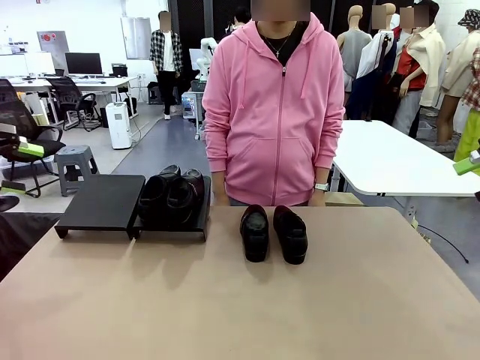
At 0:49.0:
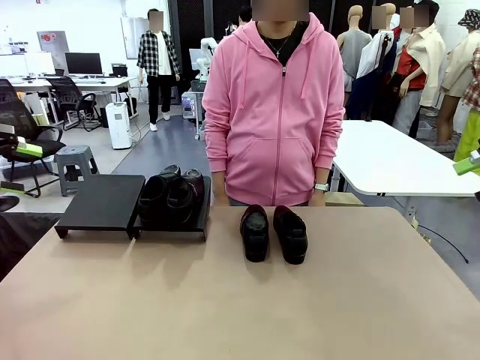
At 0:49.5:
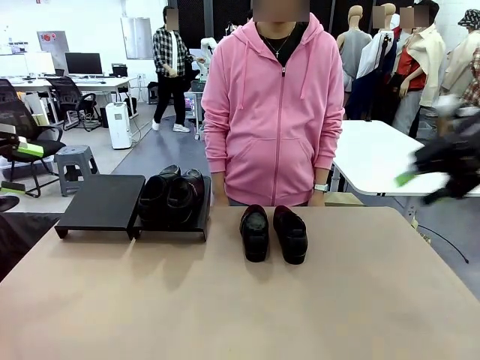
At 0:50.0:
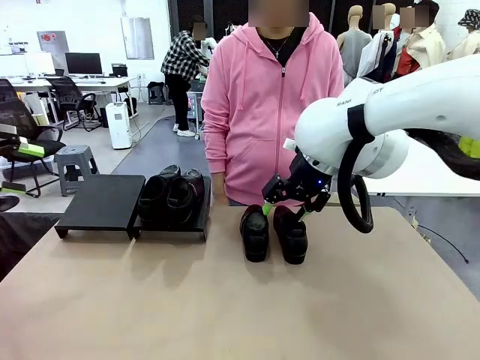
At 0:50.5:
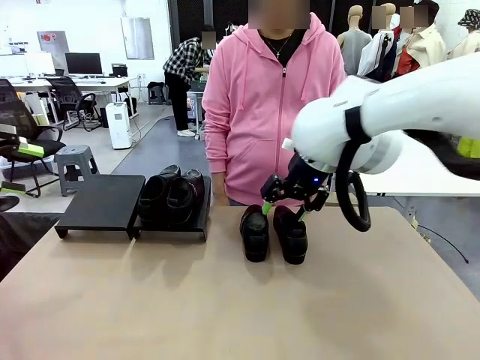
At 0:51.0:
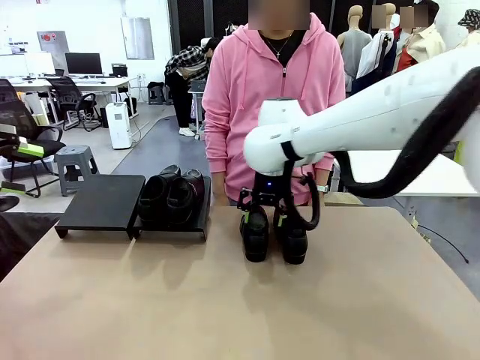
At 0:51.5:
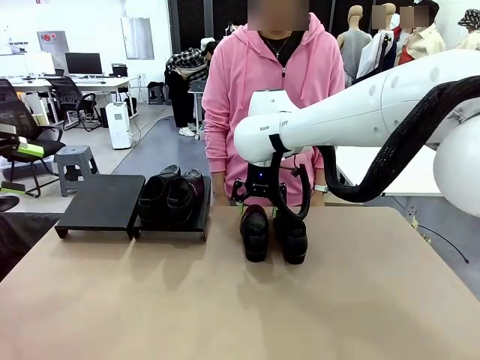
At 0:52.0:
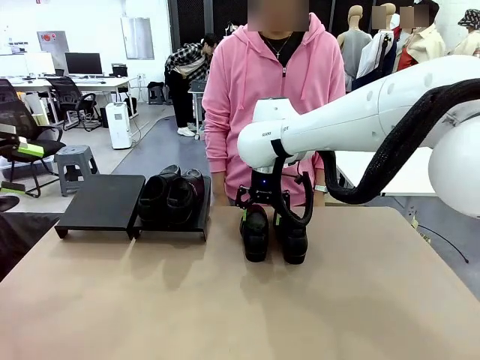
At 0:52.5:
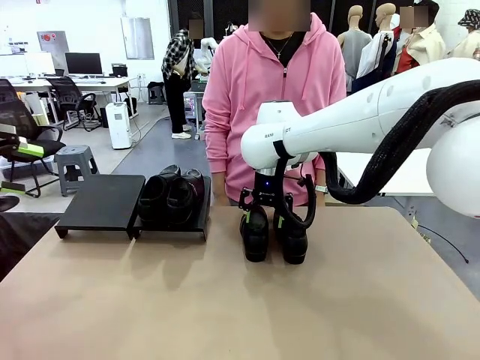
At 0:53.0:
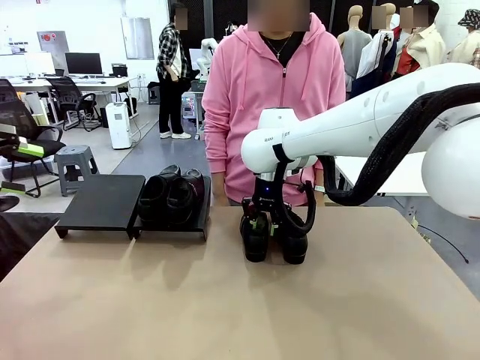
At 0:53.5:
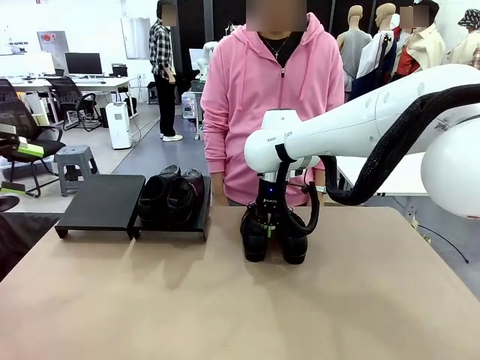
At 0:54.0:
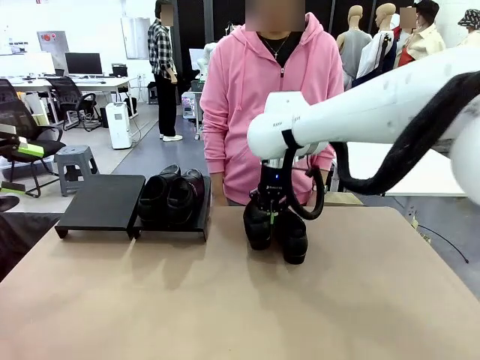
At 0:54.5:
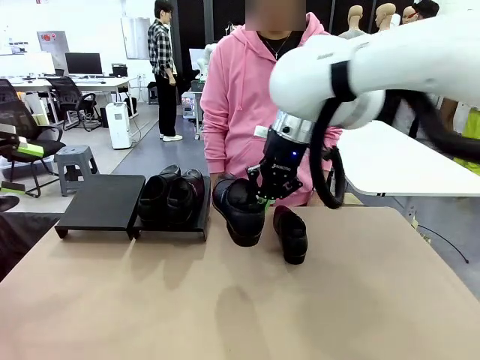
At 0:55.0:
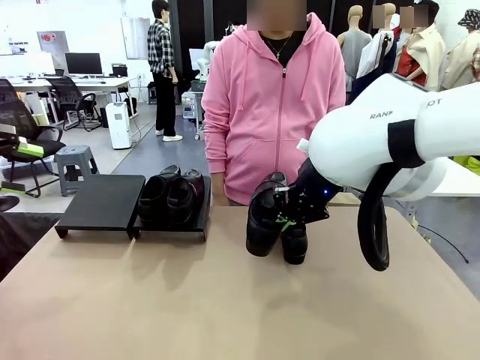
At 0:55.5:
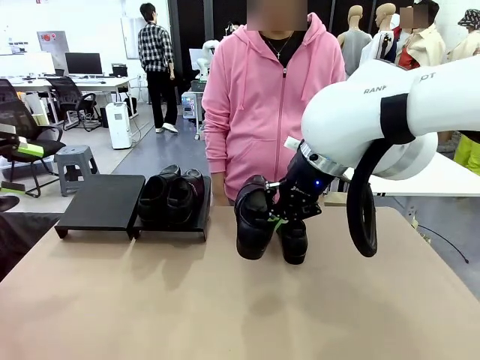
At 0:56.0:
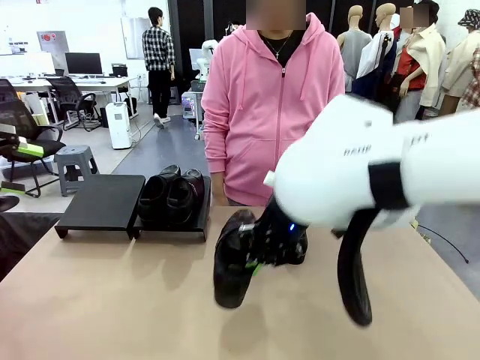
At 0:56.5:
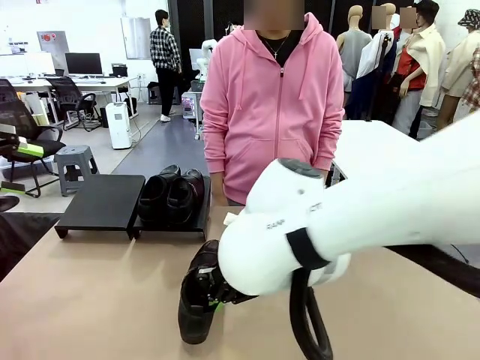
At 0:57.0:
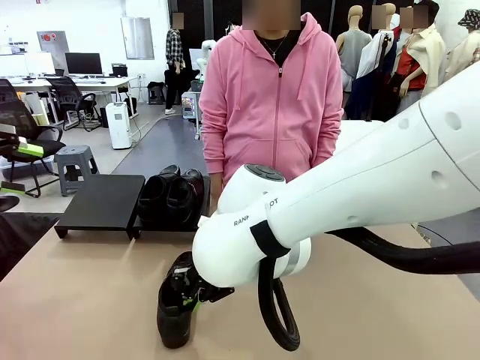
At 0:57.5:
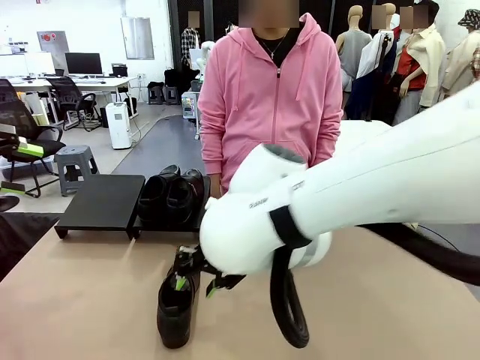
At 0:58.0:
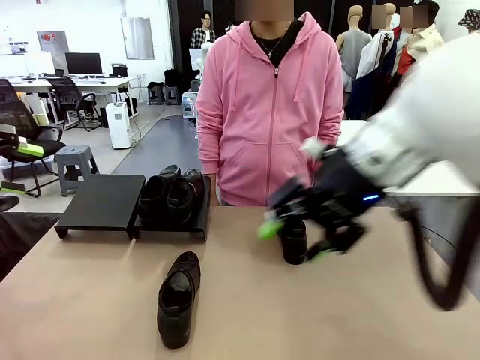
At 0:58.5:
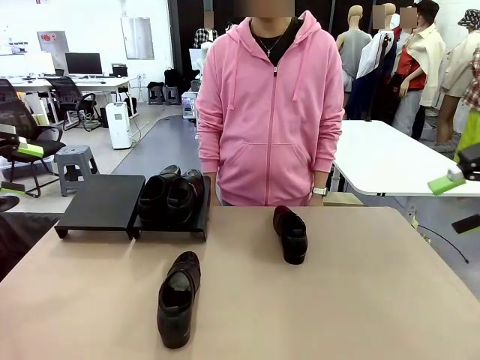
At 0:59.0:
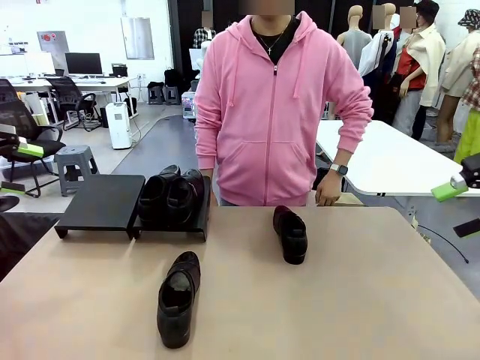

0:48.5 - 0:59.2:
Task: Organize the shoes by placing them on the stand.
Robot: Pick up one Shoe and place it in the middle of the table.

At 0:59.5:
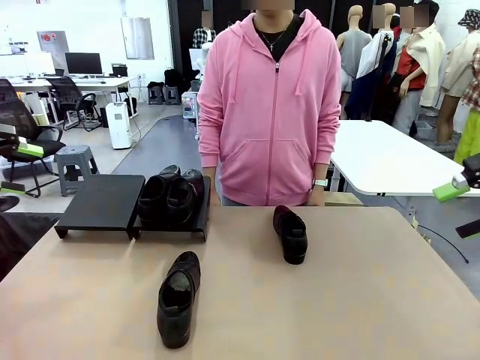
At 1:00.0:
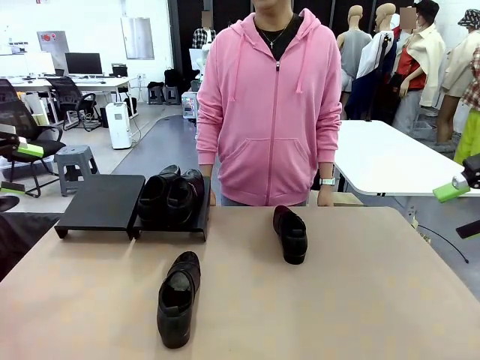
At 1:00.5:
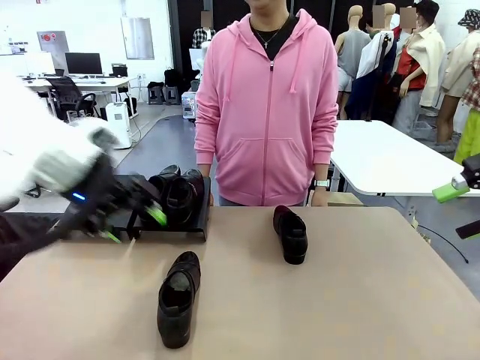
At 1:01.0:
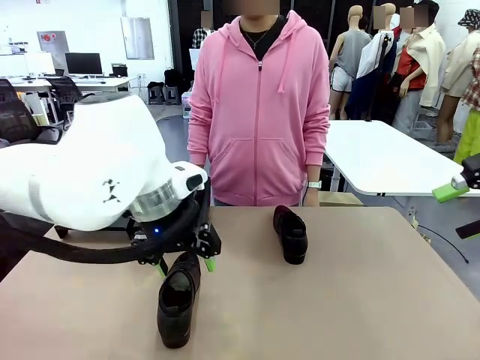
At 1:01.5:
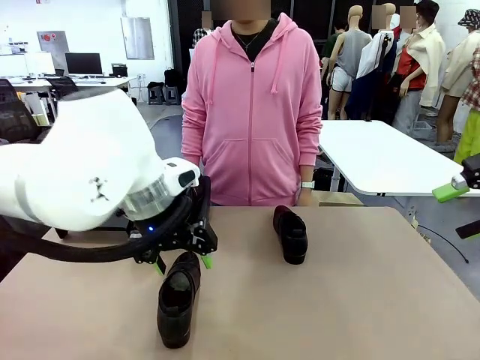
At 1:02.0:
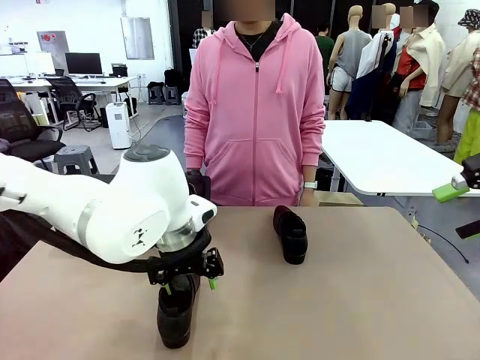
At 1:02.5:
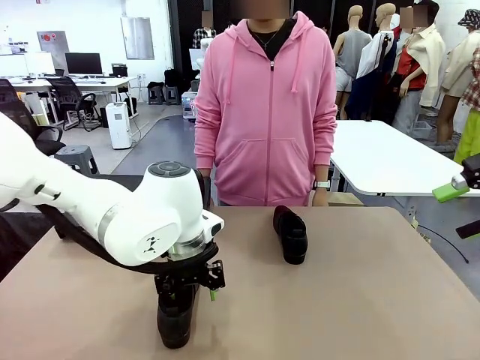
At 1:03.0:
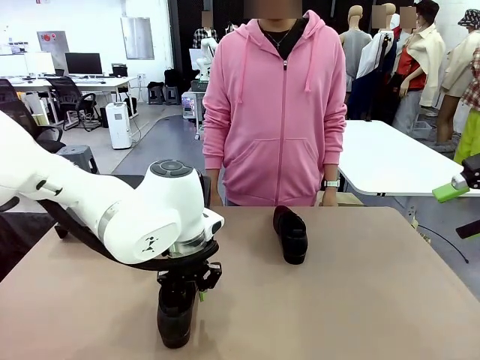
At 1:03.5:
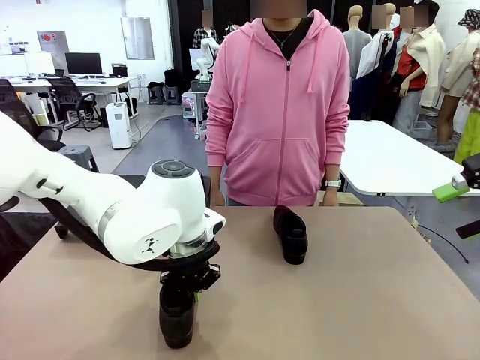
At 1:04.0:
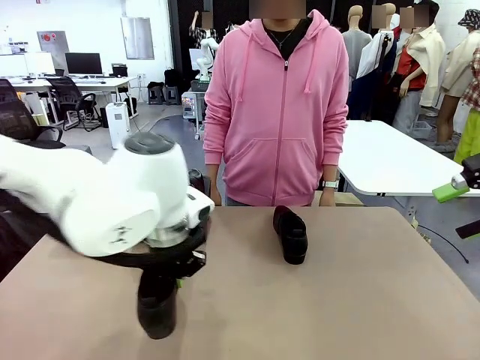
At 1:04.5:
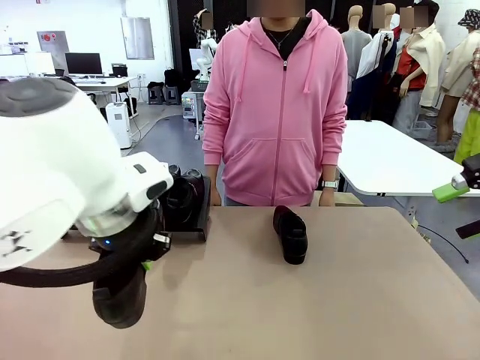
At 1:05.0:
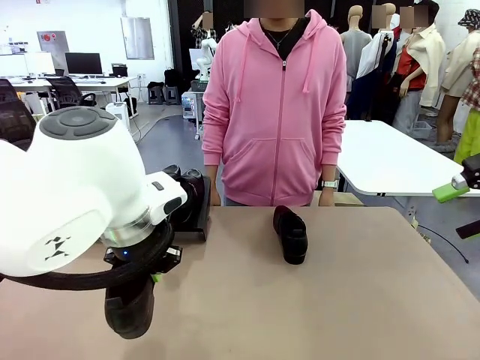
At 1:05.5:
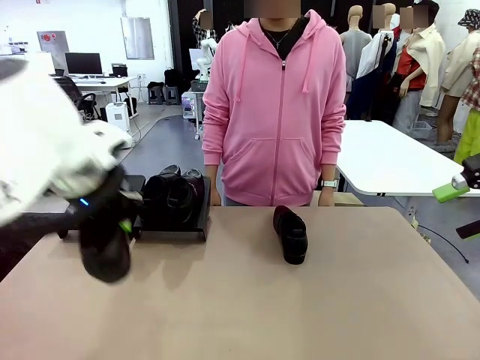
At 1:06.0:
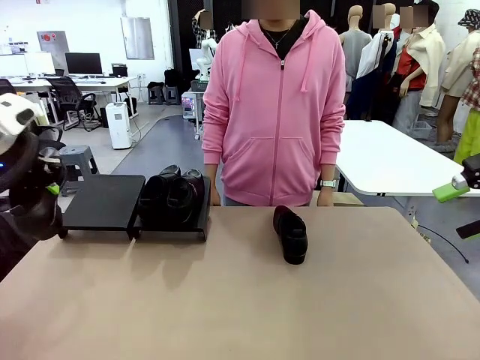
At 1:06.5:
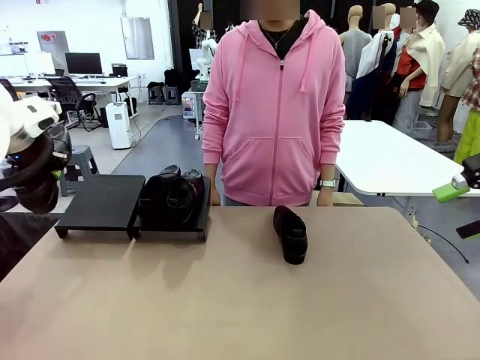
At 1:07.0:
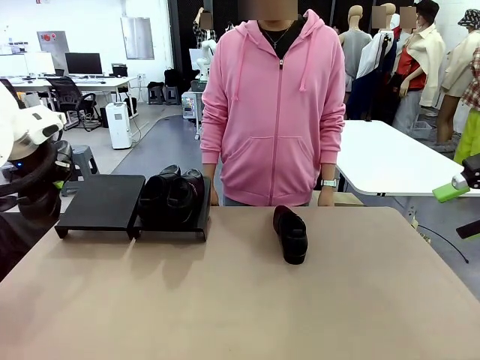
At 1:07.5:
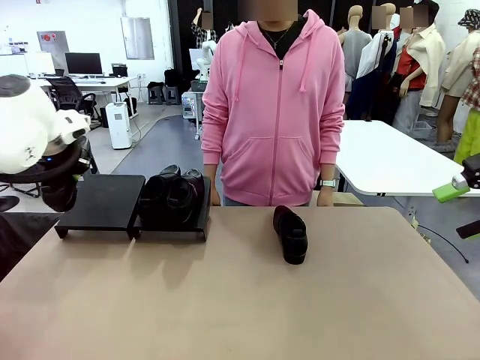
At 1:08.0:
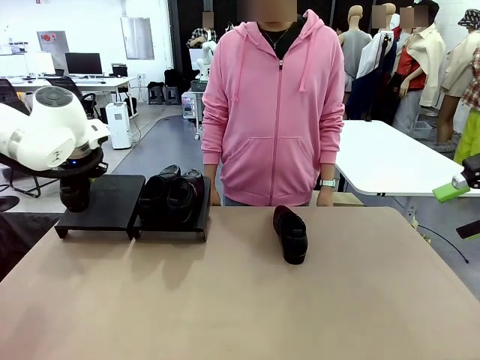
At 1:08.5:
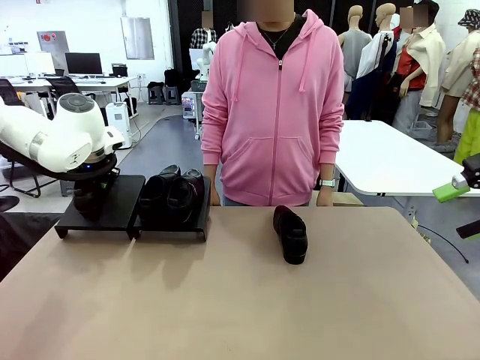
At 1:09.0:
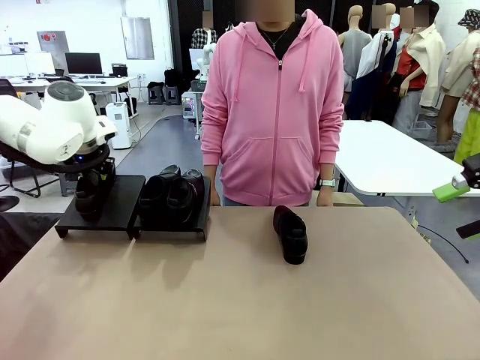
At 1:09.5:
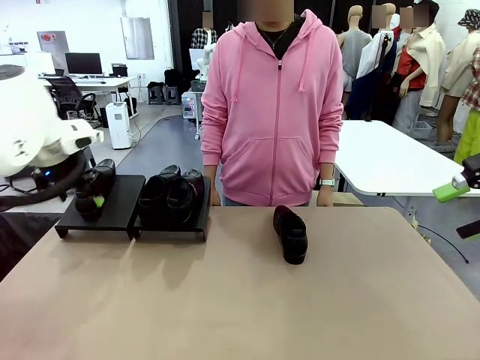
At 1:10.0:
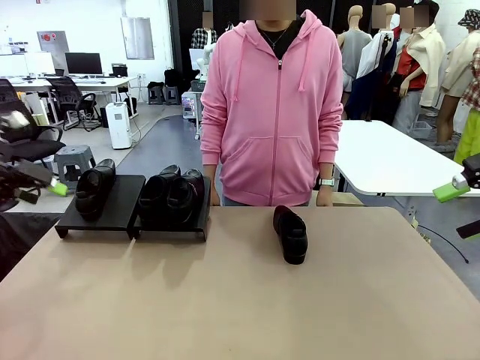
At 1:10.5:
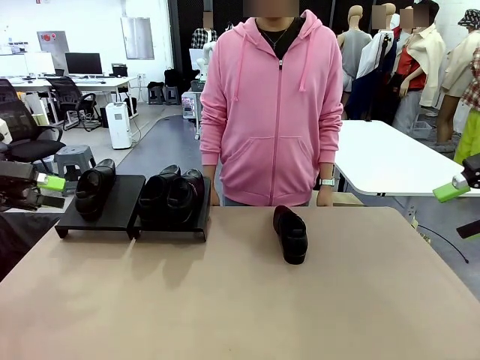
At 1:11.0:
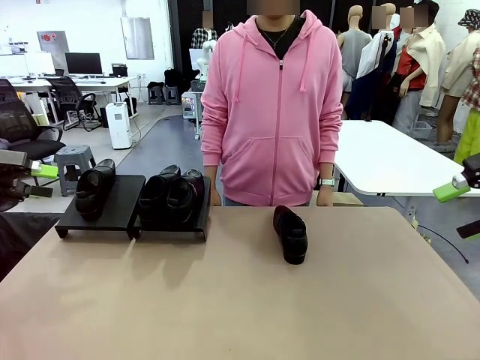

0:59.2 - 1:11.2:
Robot: Place the Shoe from the middle of the table onto the Shoes Stand.
